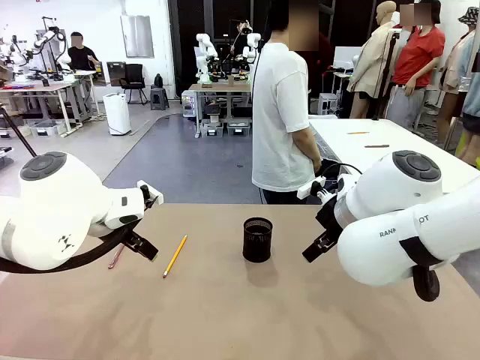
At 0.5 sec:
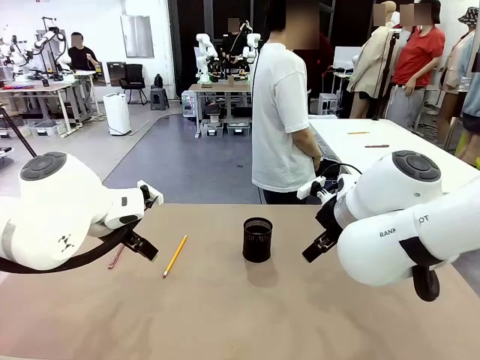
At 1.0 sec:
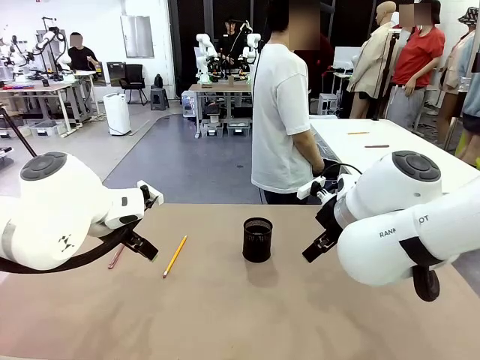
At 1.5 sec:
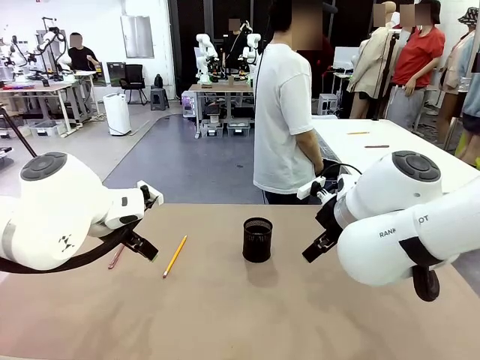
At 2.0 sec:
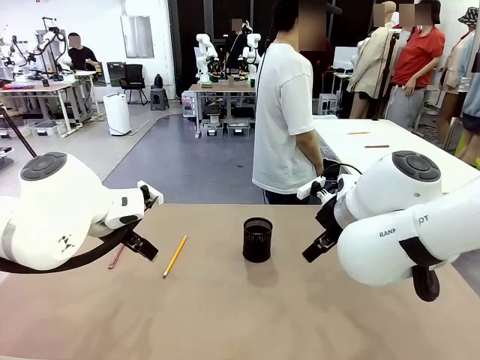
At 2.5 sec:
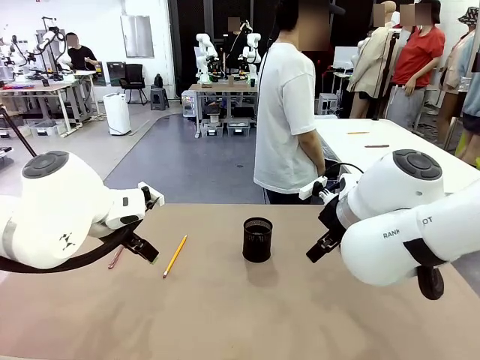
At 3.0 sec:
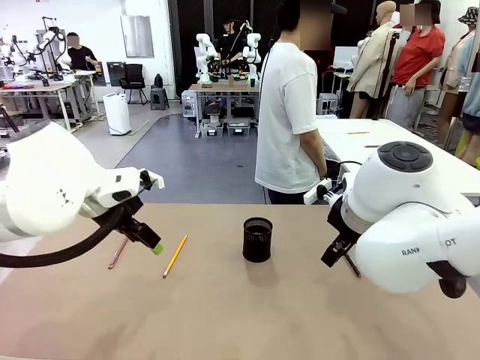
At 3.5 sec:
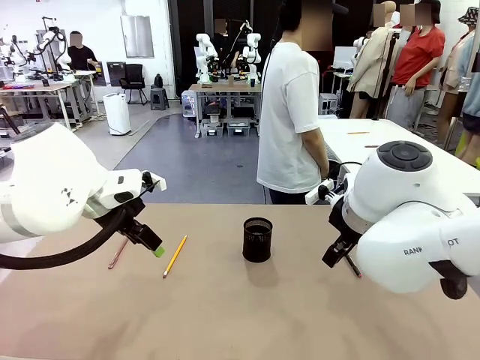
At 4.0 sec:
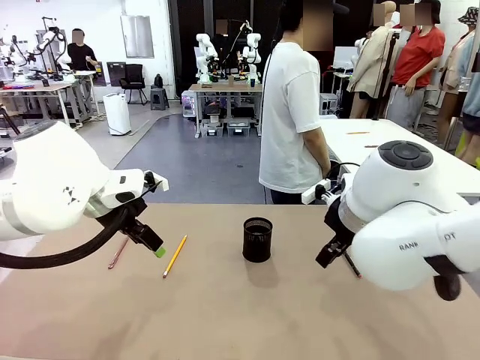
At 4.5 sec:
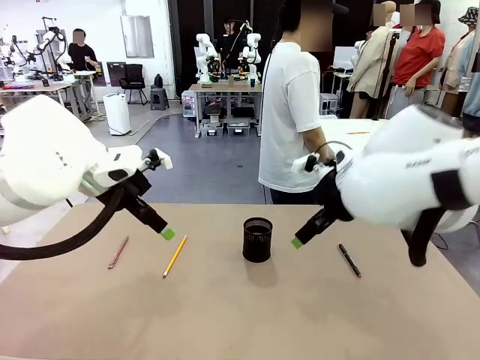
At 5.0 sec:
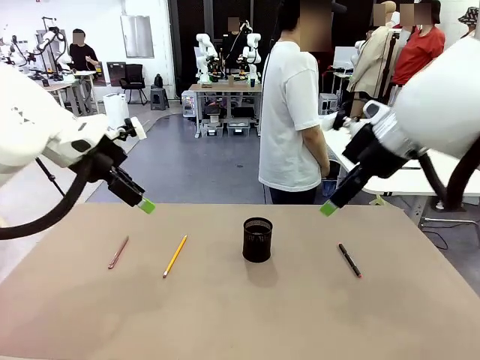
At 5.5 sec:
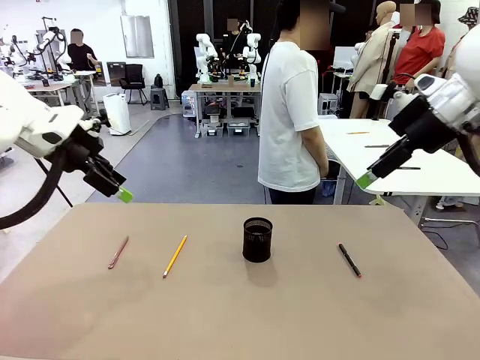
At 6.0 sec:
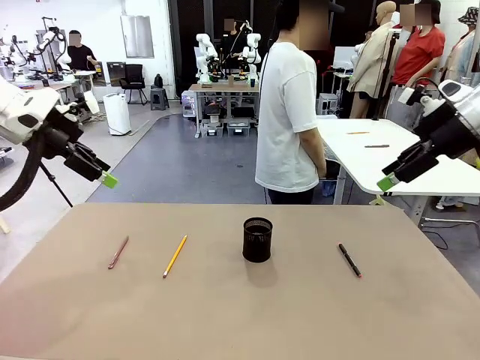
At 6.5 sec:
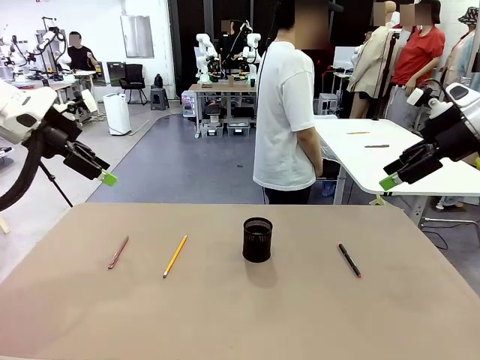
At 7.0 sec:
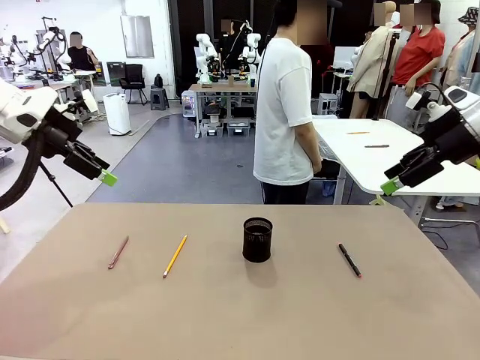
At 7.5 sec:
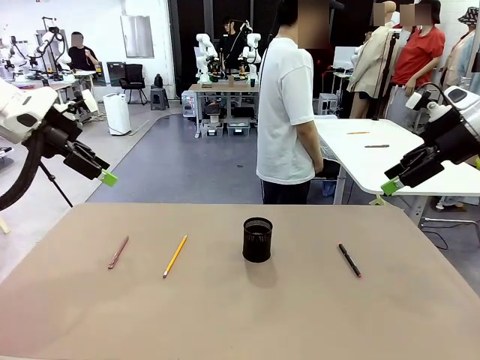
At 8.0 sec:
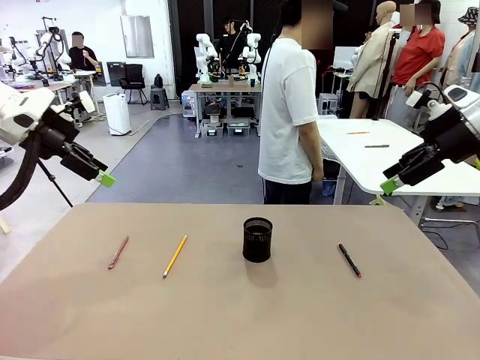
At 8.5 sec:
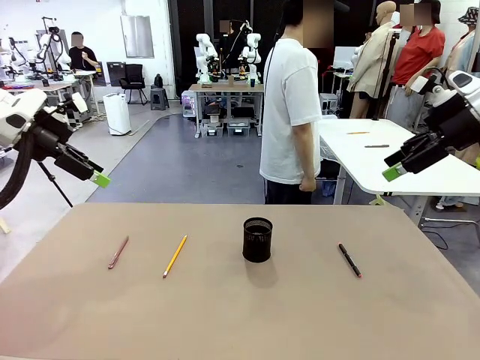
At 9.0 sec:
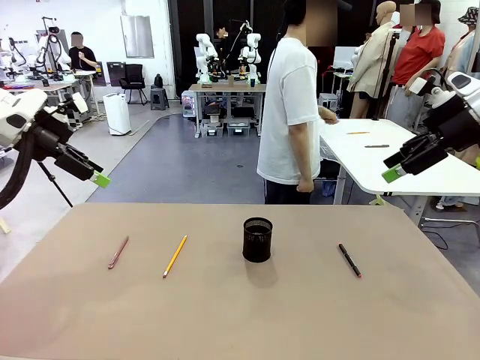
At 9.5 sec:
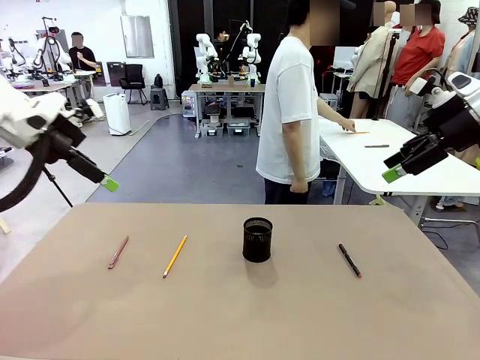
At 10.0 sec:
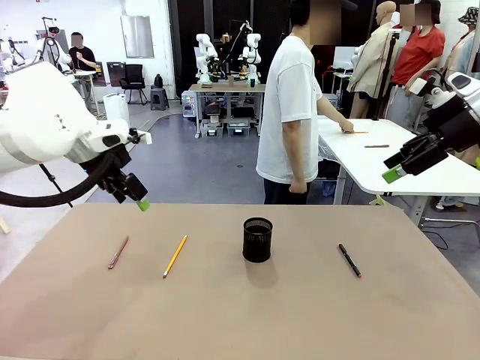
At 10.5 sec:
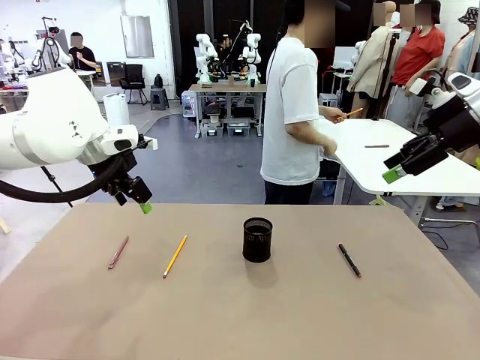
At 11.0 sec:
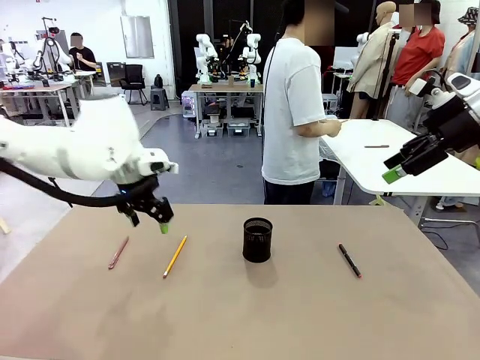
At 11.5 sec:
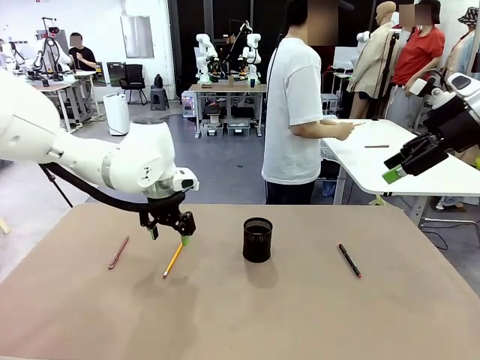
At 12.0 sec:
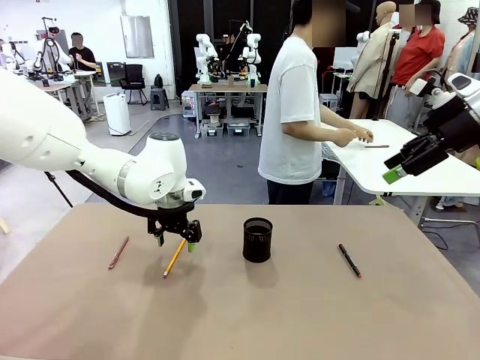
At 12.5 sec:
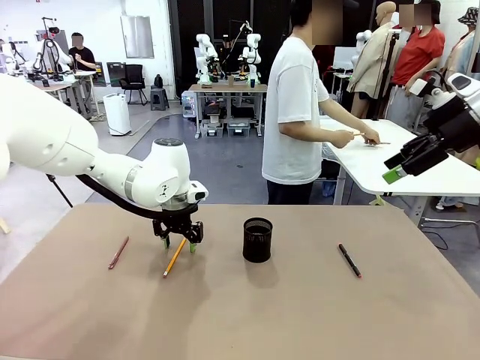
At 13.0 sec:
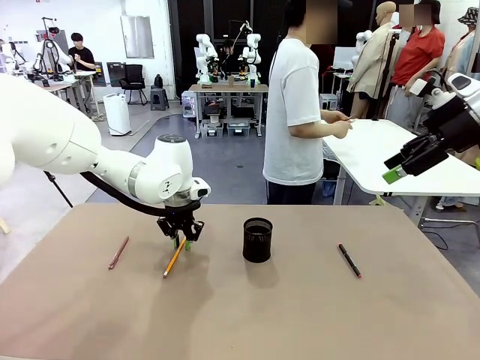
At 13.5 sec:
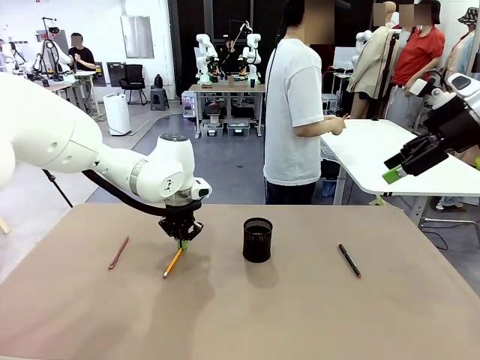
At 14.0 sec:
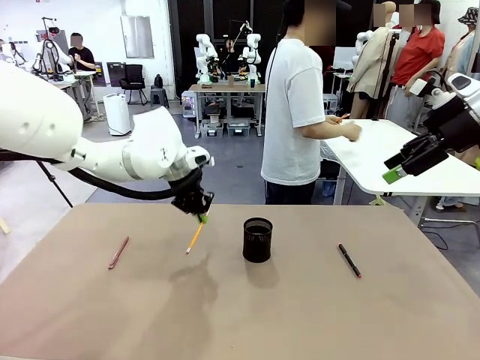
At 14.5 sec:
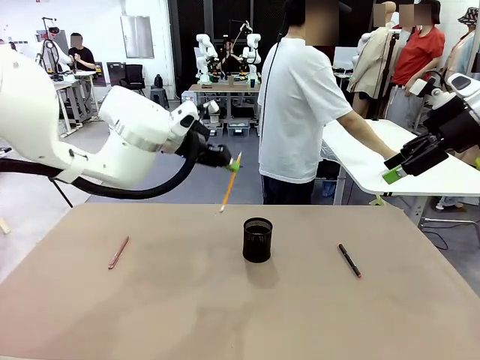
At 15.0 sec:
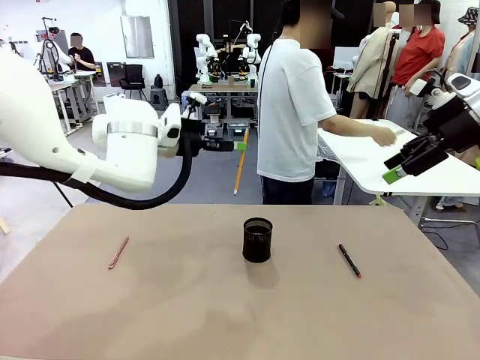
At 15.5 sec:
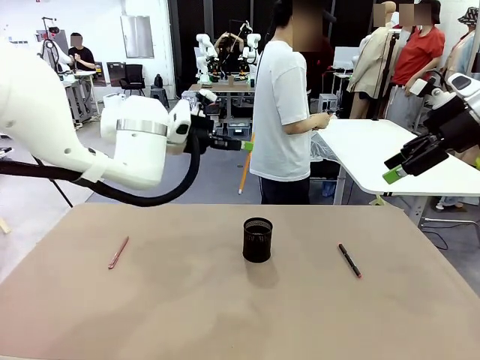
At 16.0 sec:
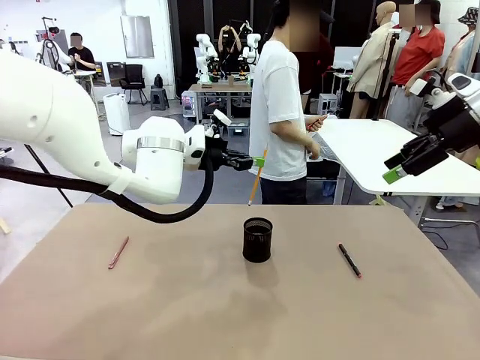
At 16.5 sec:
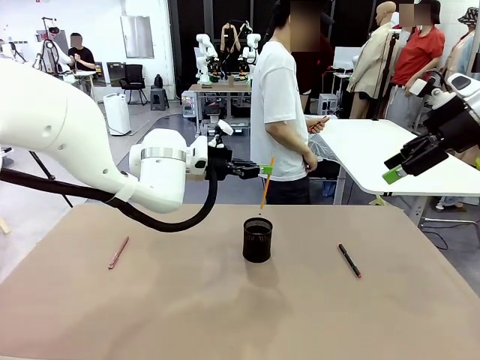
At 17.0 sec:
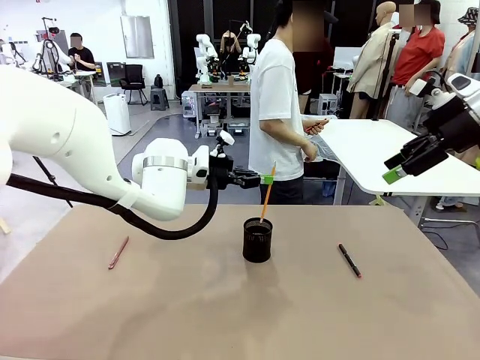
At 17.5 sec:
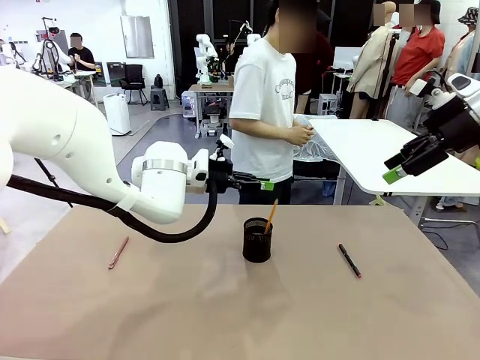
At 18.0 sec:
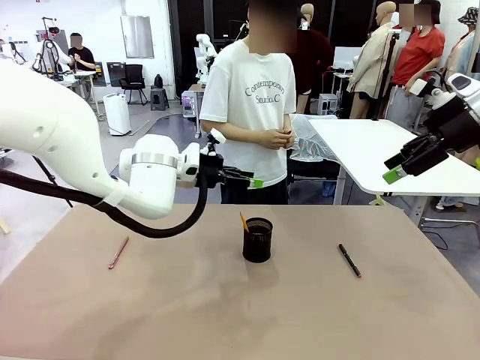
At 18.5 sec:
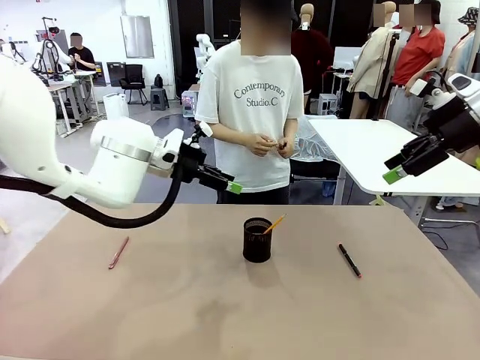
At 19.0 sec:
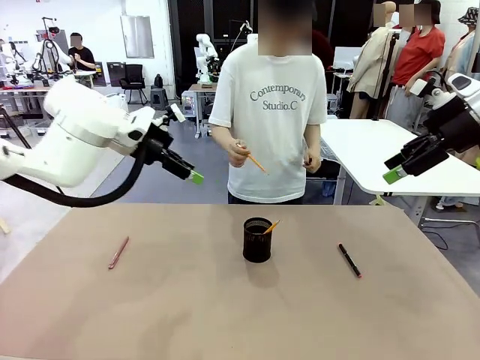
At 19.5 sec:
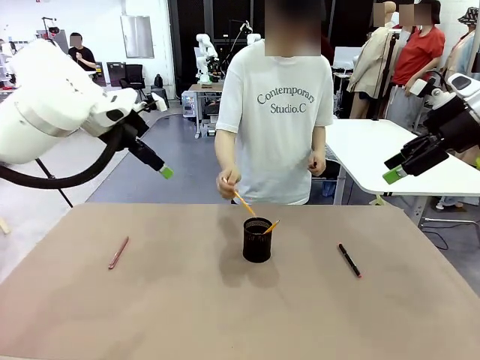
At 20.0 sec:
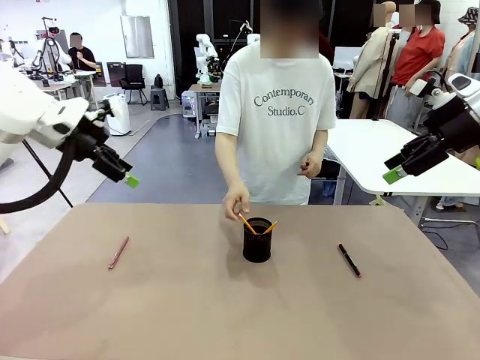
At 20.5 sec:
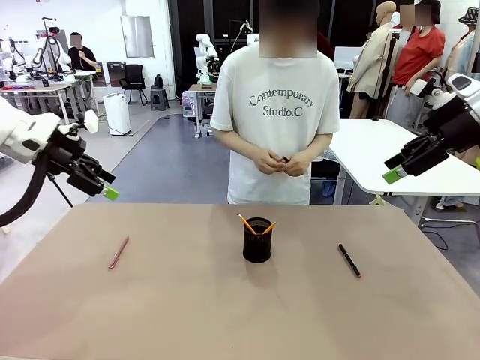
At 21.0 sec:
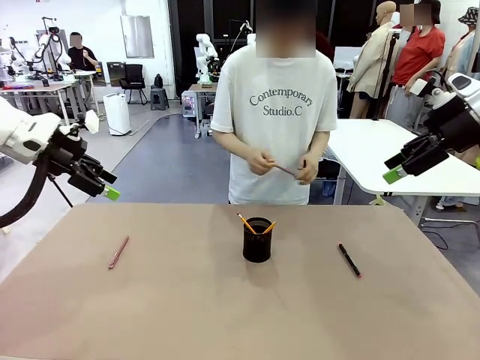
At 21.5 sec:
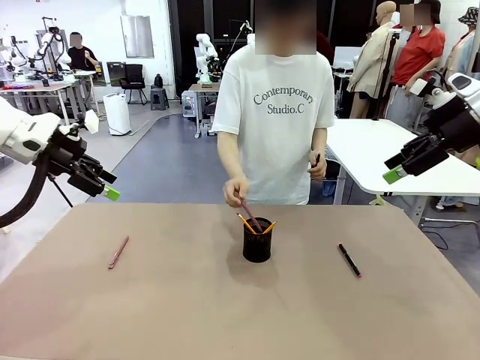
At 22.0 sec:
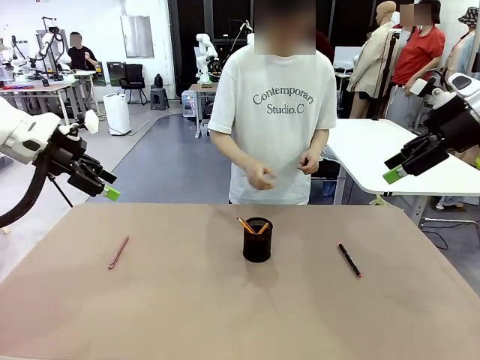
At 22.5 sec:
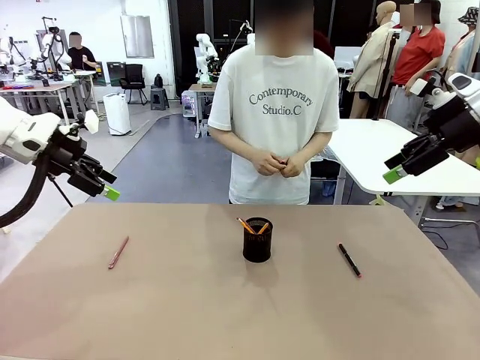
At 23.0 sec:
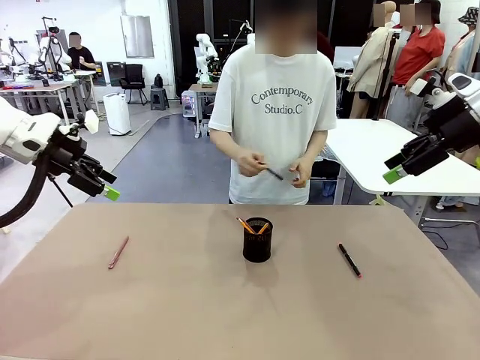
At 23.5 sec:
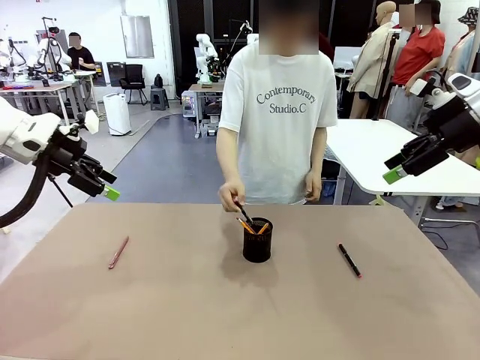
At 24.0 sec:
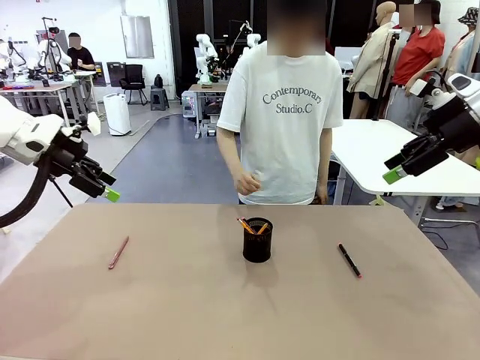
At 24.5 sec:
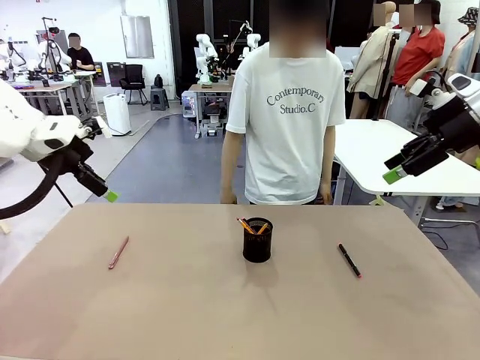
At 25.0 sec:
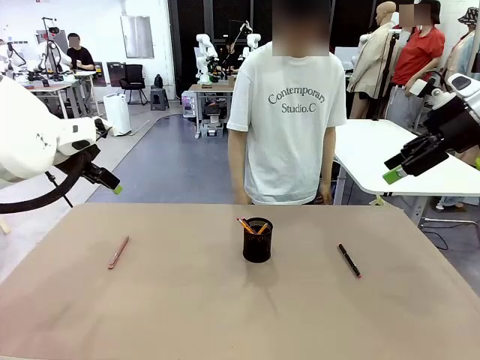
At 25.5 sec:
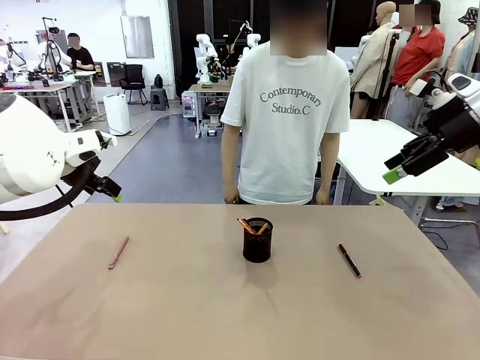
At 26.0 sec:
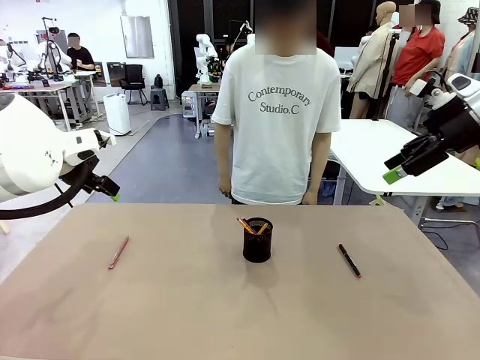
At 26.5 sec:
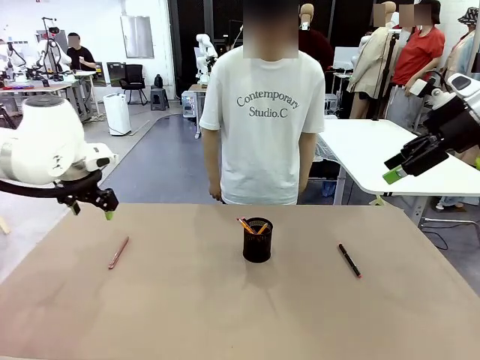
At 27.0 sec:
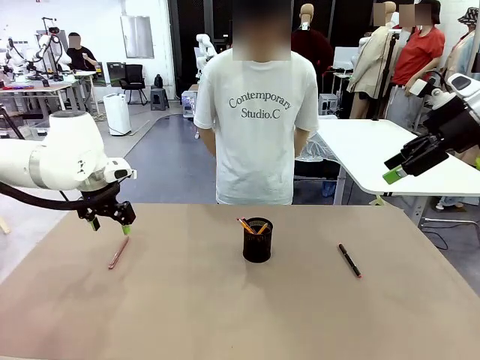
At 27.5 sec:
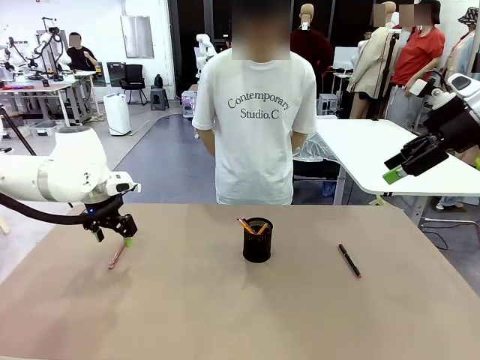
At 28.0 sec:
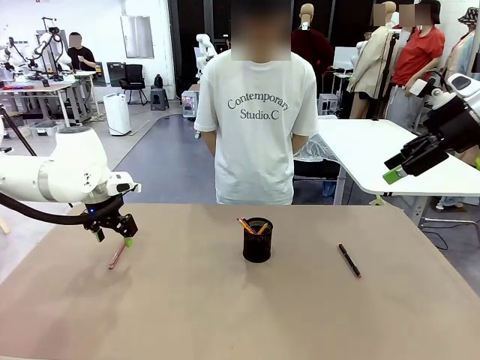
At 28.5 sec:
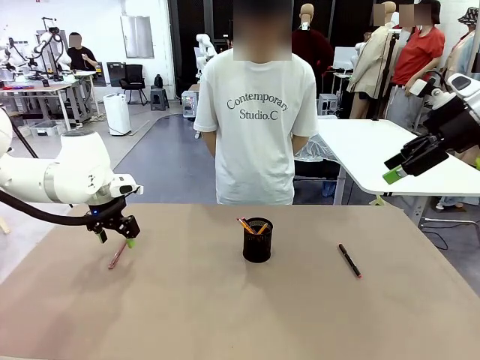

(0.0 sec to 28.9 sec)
Task: Place the pens into the pen holder.
Robot: Pick up a writing instrument from the table and place it into the Pen holder.
Person: Pick up all writing instruments from the Human table.
